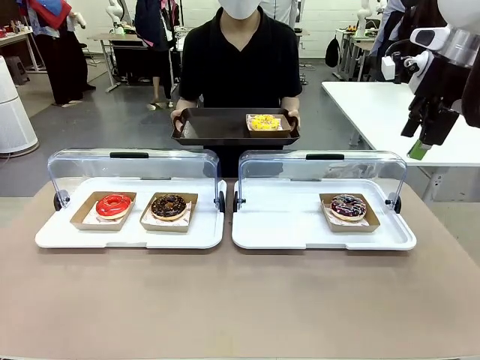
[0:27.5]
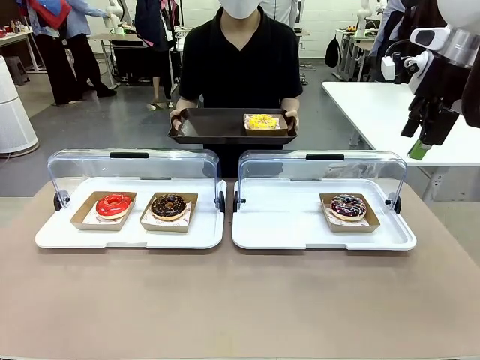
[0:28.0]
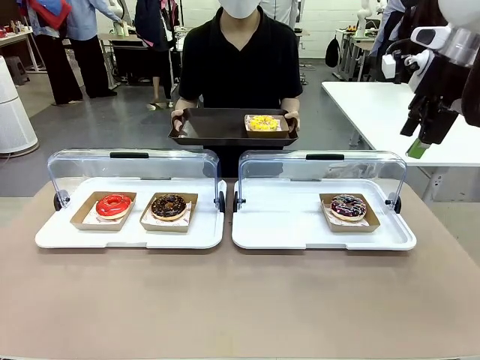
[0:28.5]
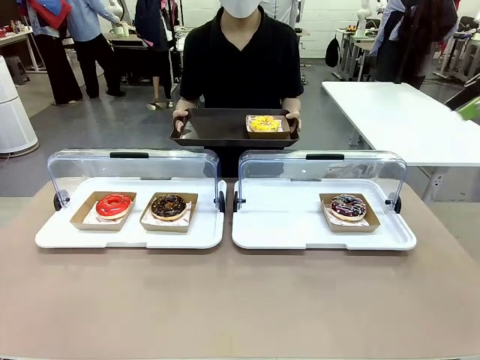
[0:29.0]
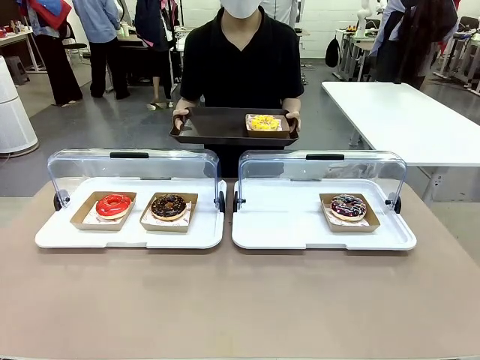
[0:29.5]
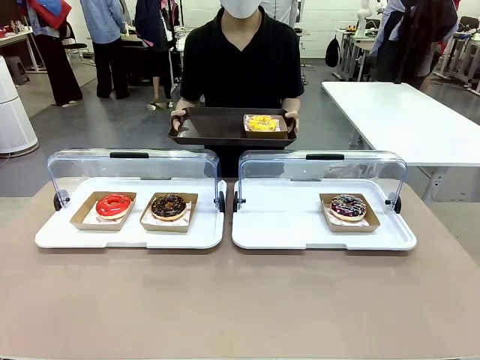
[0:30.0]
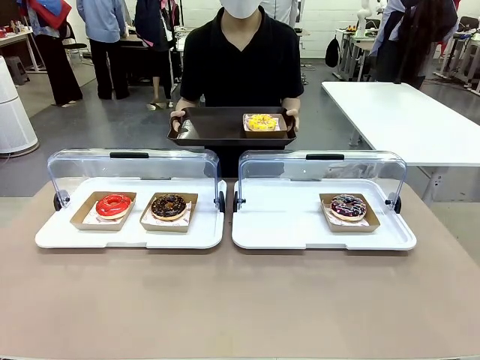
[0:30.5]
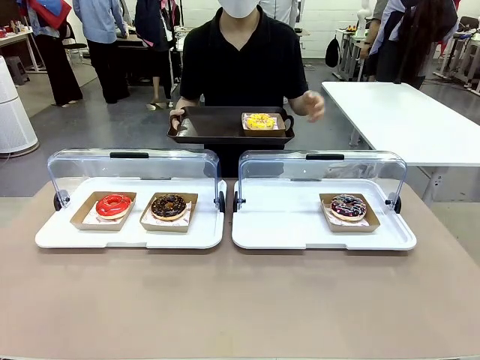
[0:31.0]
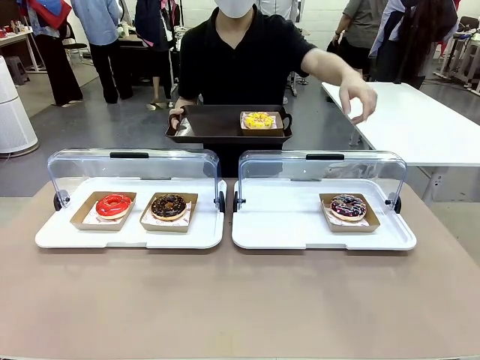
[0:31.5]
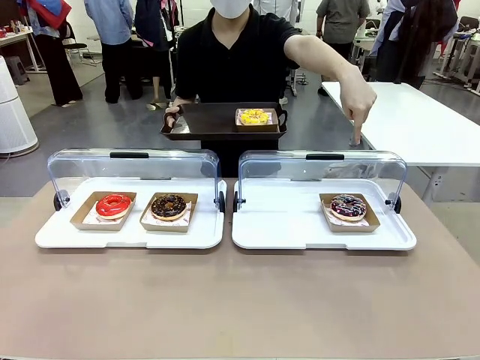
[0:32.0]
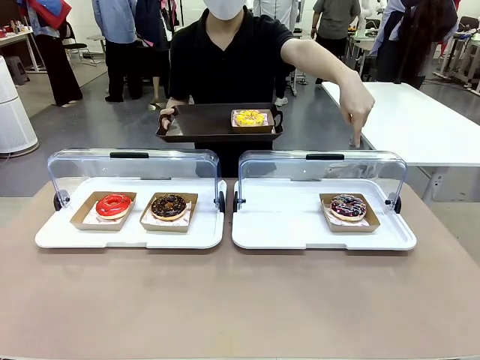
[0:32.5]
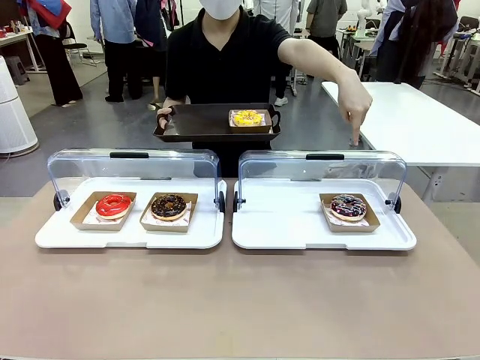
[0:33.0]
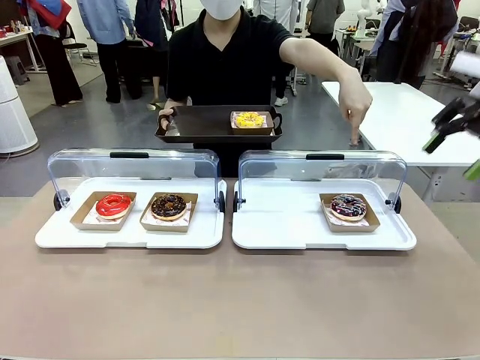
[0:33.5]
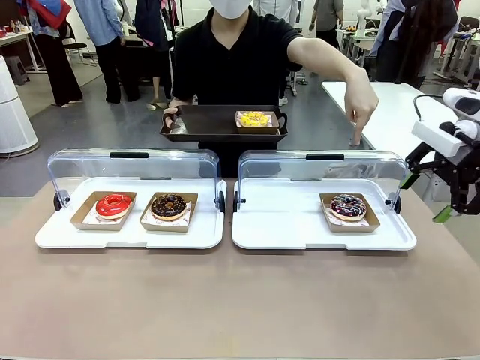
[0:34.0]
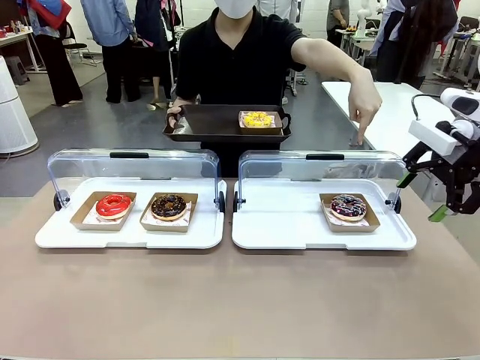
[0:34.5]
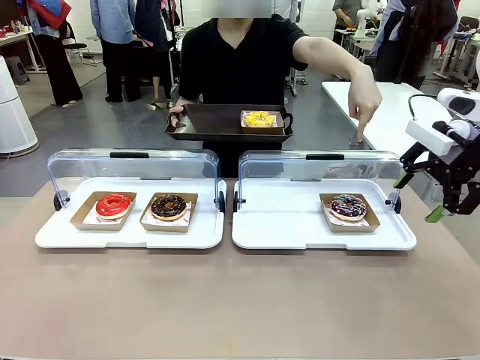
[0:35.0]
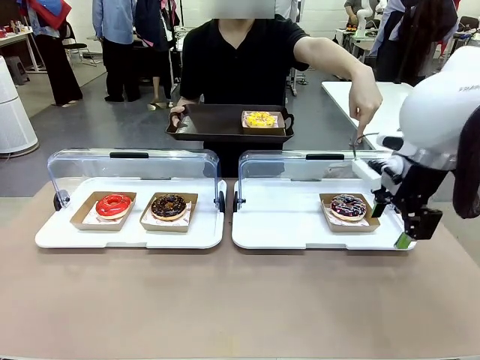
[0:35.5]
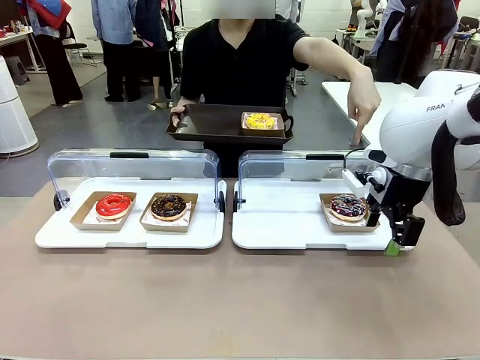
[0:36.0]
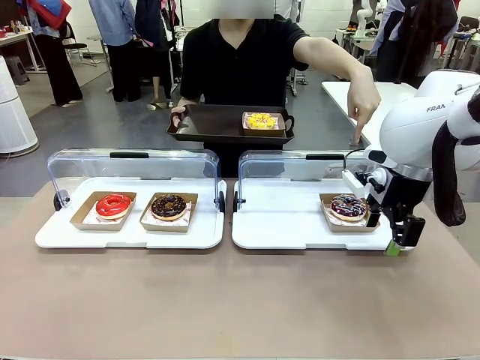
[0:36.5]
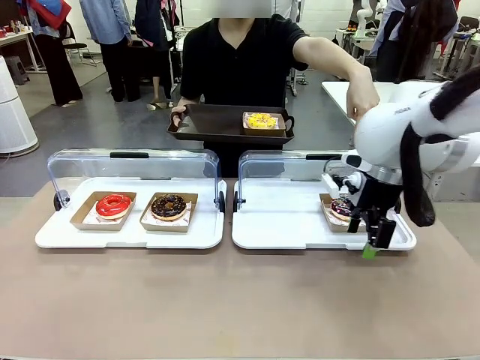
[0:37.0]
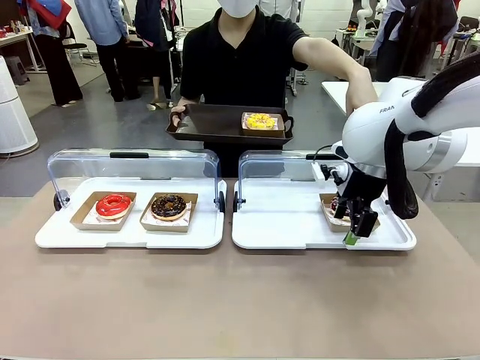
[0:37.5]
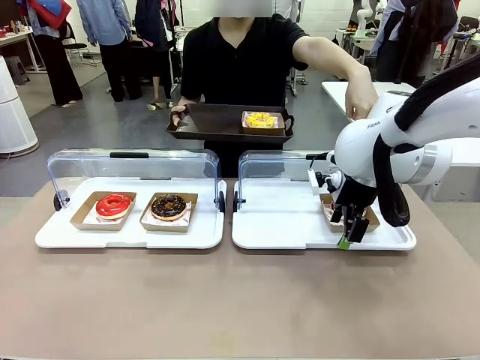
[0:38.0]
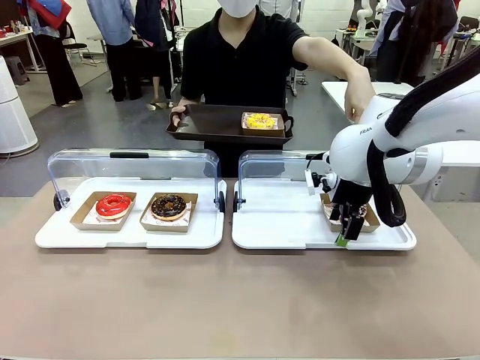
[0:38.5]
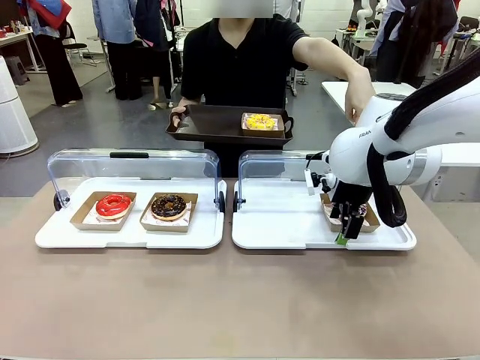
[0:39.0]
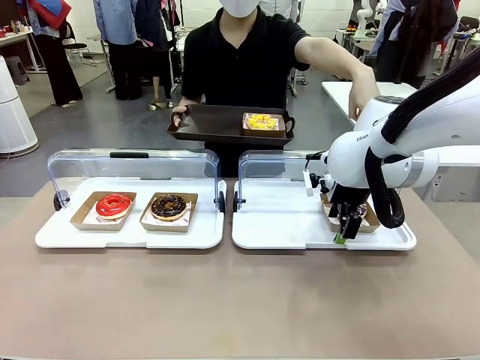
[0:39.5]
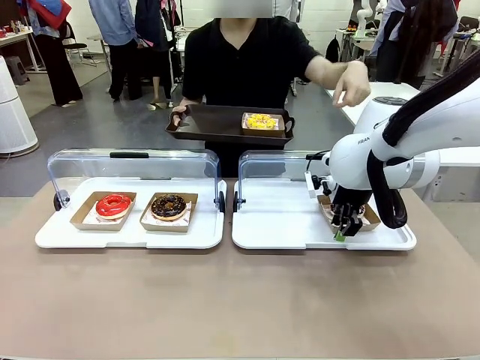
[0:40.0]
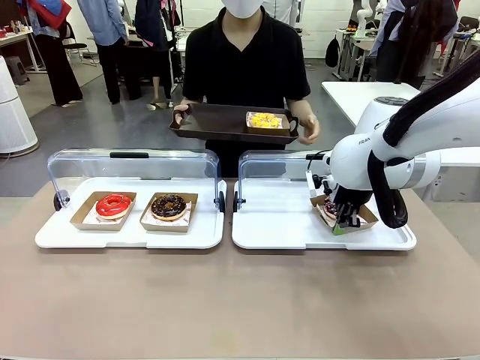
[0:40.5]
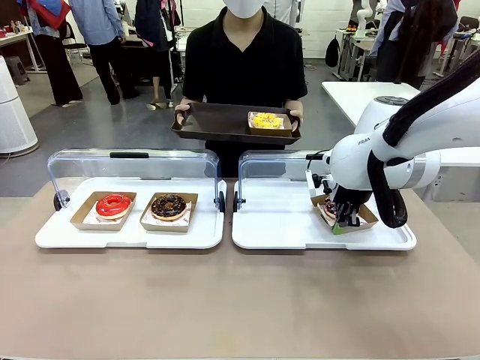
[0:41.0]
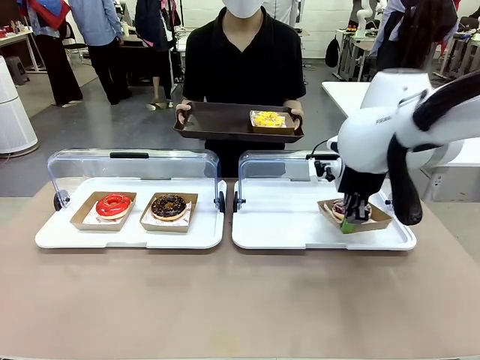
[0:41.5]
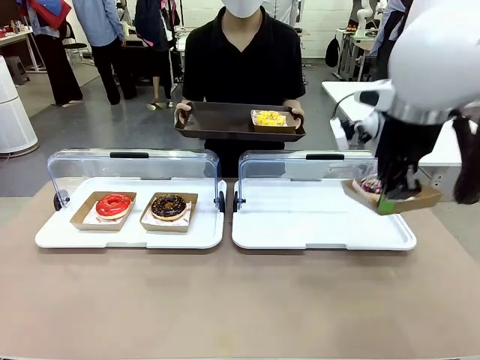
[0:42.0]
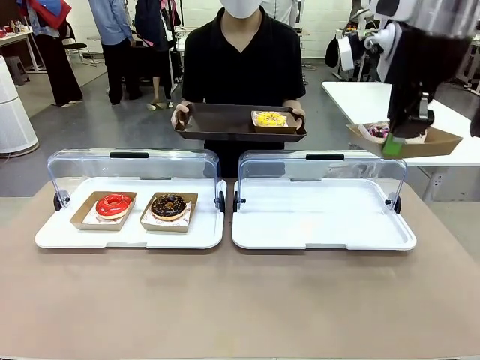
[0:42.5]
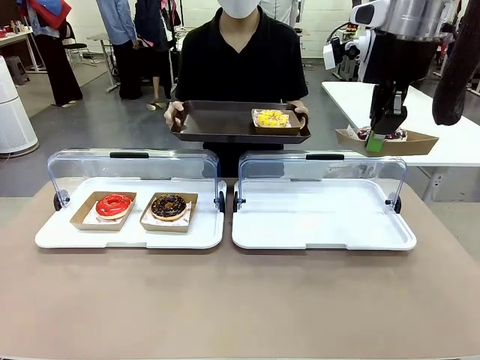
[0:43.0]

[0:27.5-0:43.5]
Task: Provide the desired donut to the person.
Robot: Pick up and lift the Paper togo box containing the Donut pointed at by the person.
Person: Point to one donut. Lift the tray onto the Roll-Top Bakery Case.

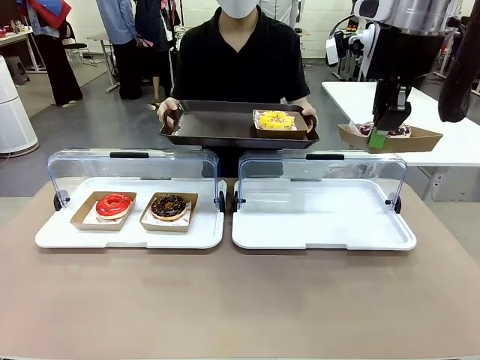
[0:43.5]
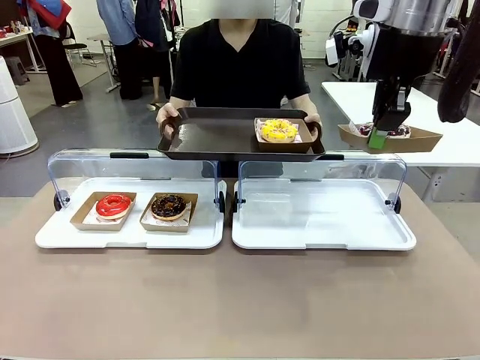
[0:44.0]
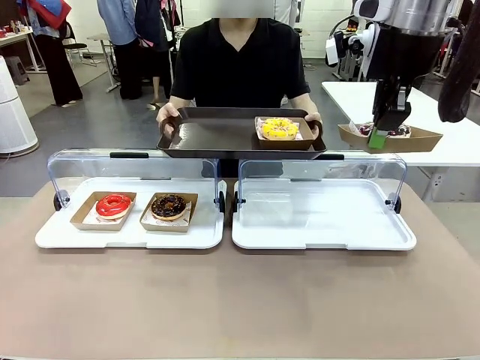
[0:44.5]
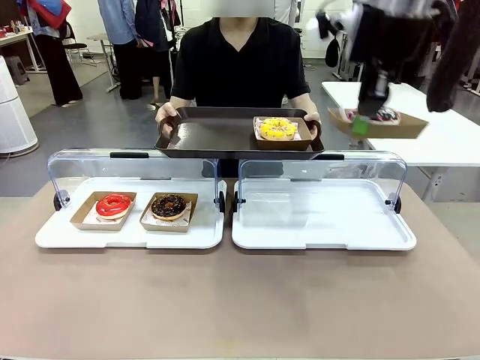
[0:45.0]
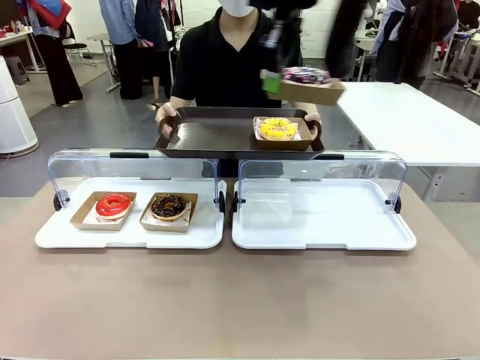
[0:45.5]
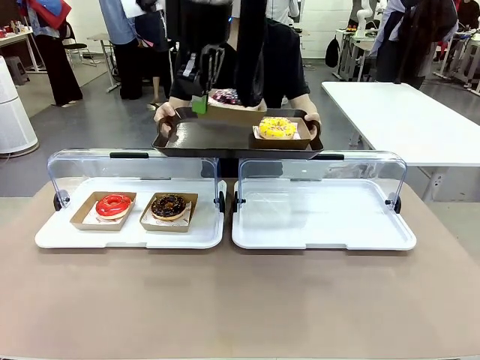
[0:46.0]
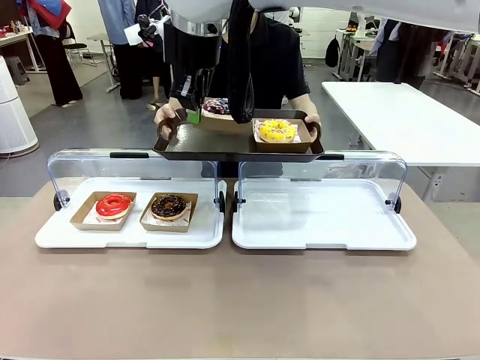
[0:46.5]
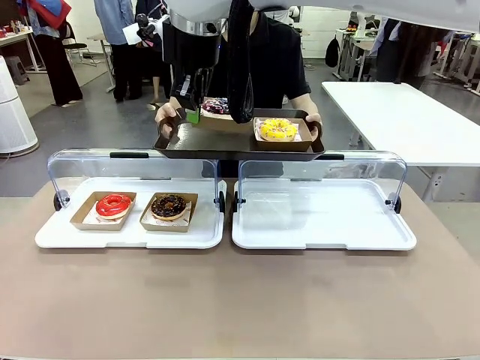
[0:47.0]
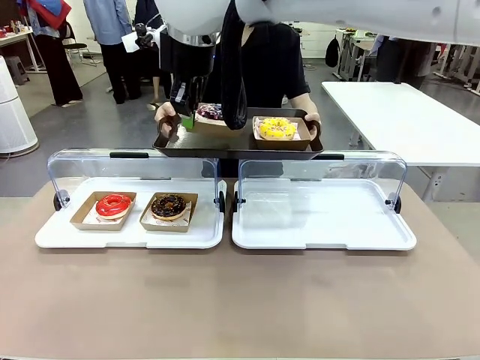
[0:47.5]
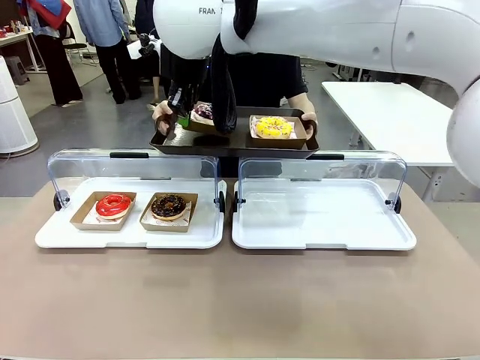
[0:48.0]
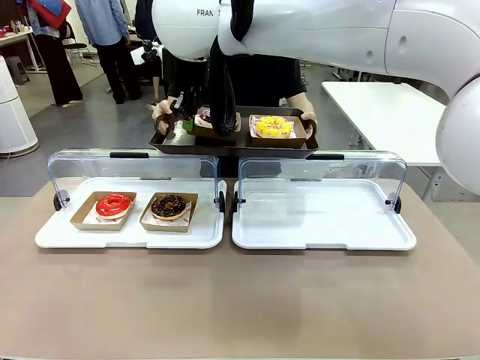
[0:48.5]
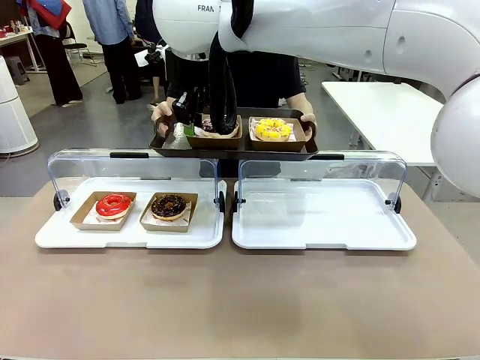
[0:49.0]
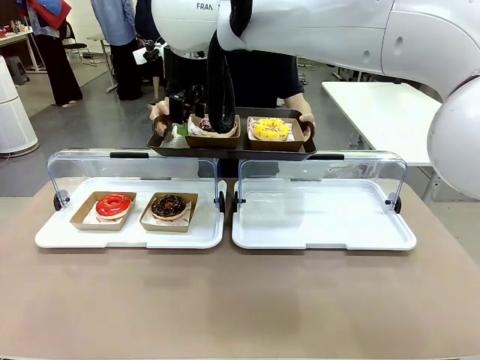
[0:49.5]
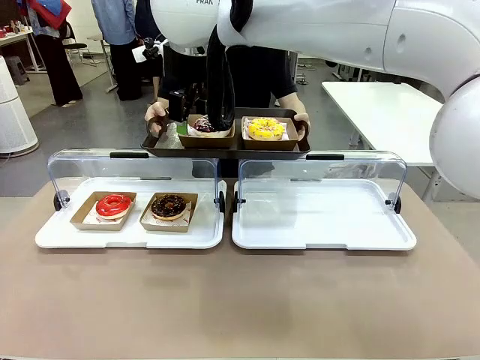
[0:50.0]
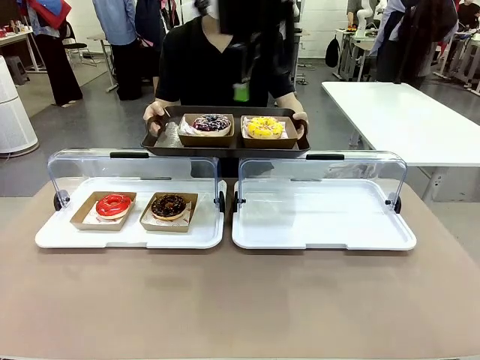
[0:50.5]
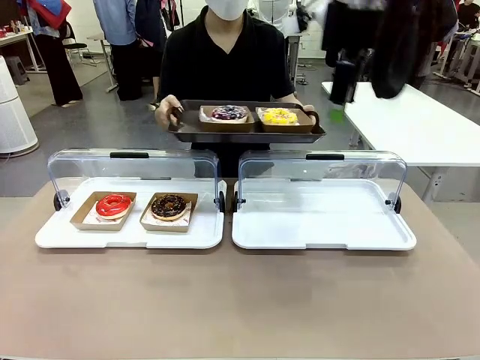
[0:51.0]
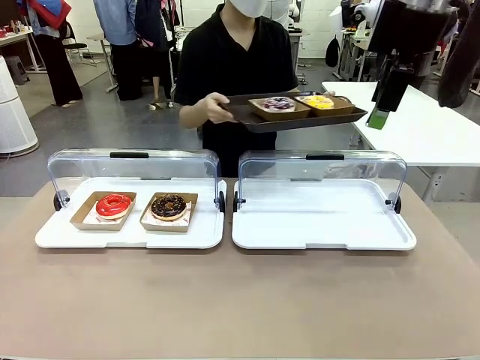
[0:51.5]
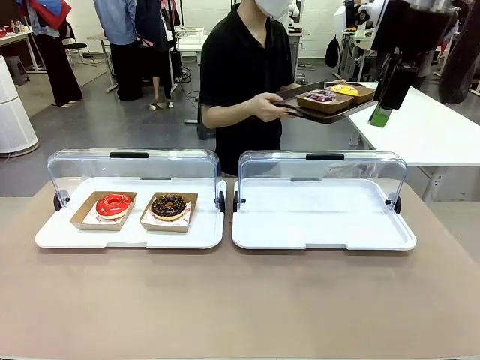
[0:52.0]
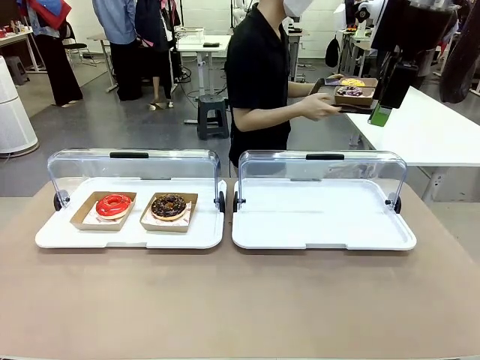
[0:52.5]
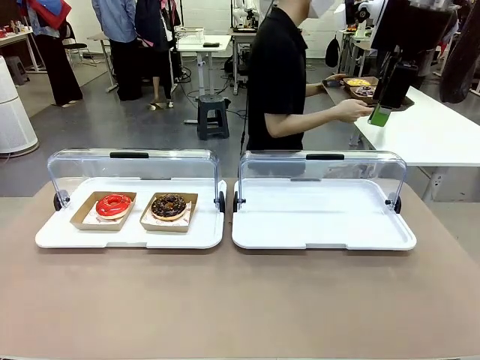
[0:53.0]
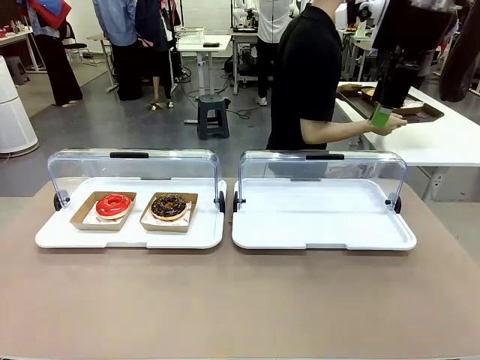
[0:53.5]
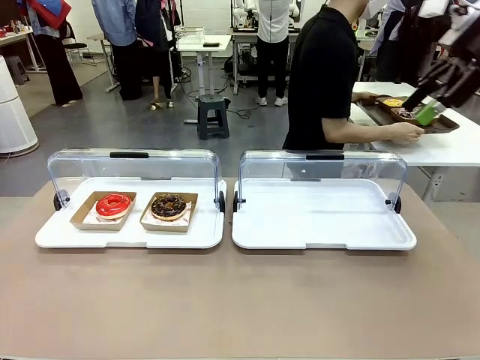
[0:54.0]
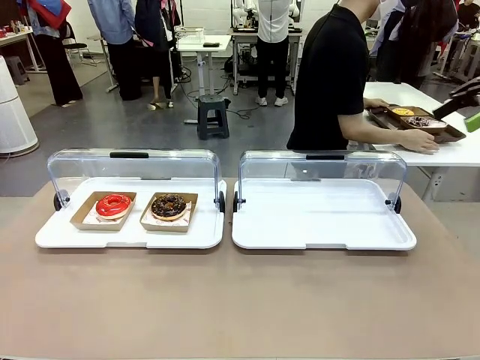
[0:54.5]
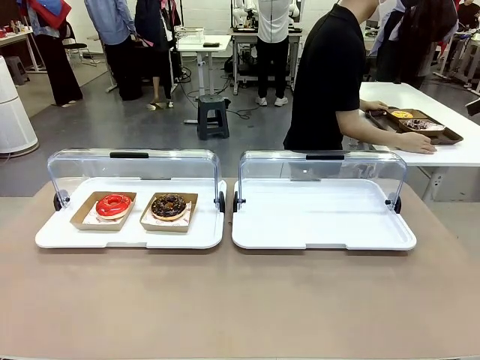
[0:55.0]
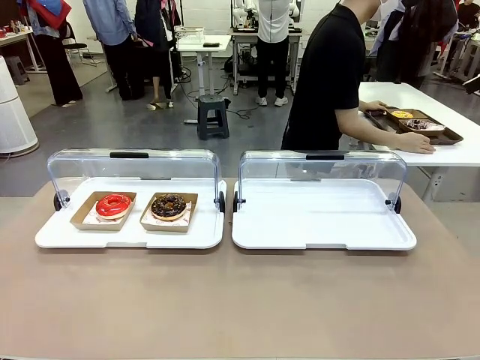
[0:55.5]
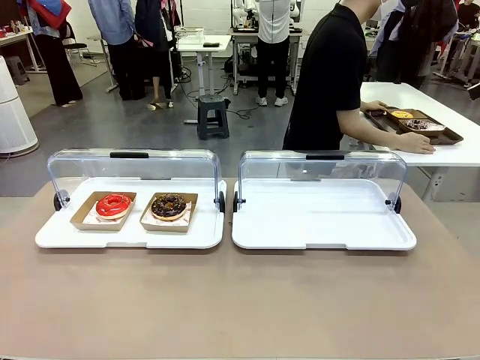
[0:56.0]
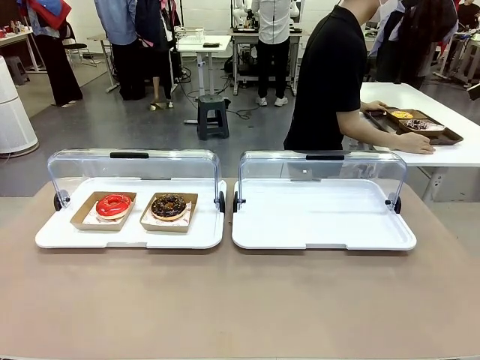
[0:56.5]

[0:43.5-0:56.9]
Robot: Place the picked Paper togo box onto the Handle tray extended by the person.
Person: Place the tray in the middle of the human table.
